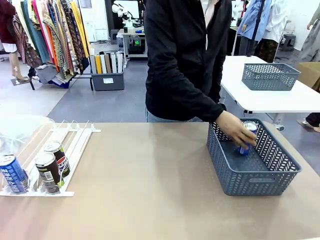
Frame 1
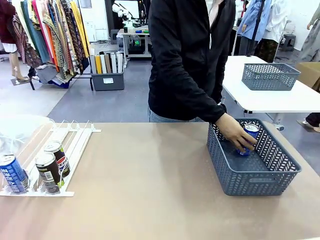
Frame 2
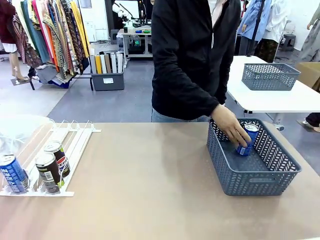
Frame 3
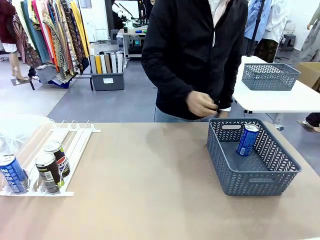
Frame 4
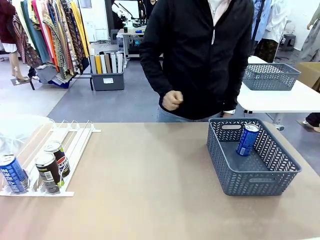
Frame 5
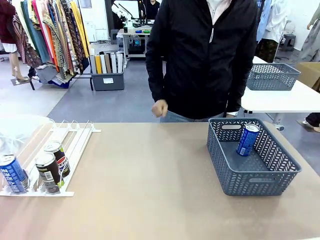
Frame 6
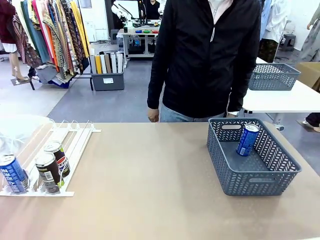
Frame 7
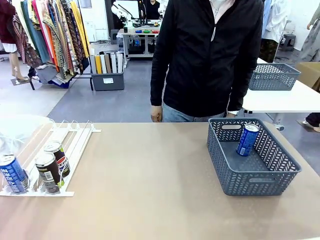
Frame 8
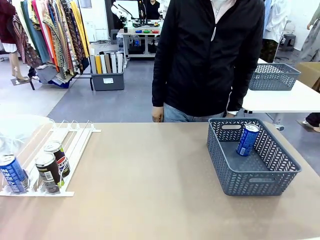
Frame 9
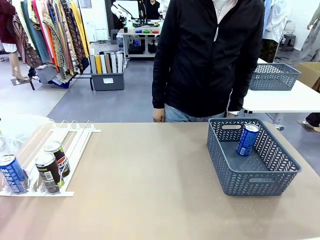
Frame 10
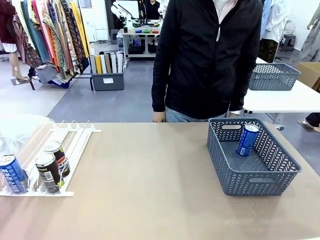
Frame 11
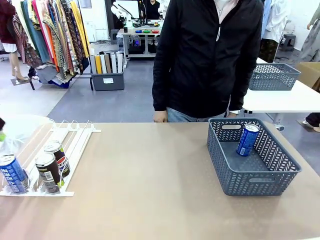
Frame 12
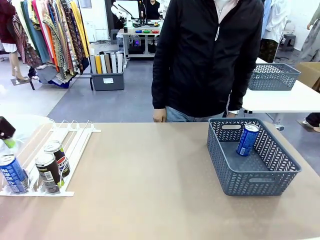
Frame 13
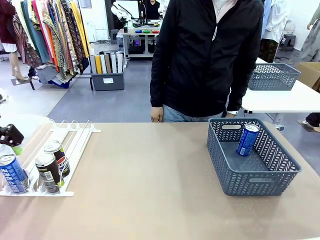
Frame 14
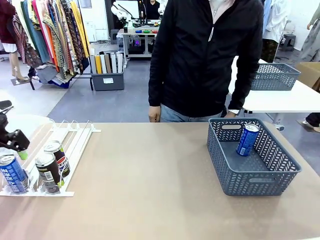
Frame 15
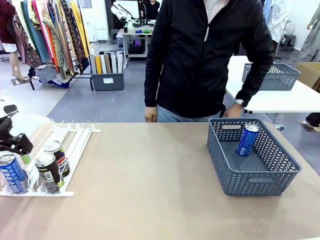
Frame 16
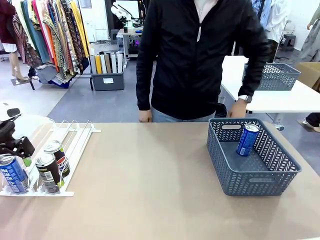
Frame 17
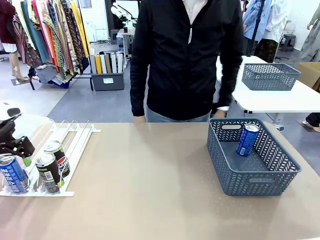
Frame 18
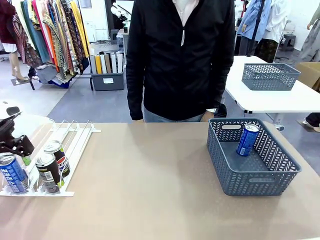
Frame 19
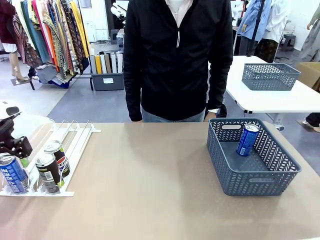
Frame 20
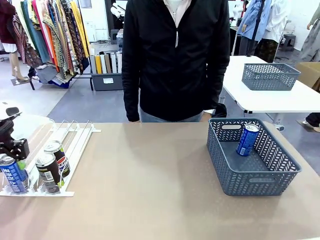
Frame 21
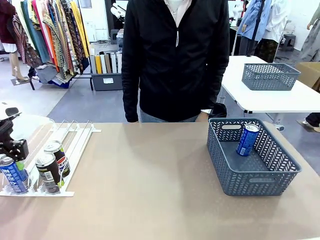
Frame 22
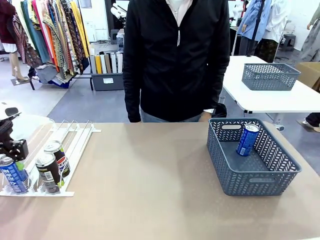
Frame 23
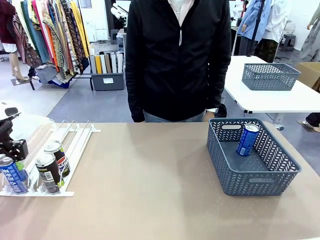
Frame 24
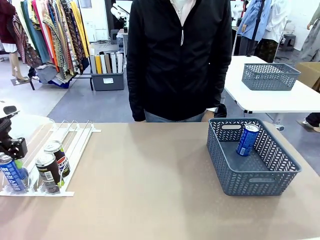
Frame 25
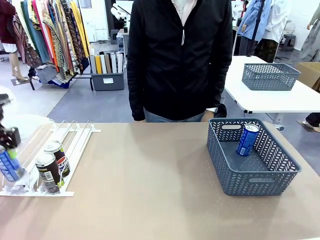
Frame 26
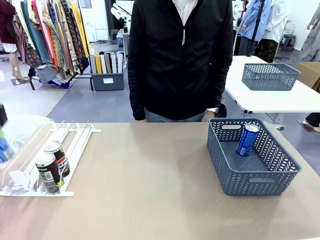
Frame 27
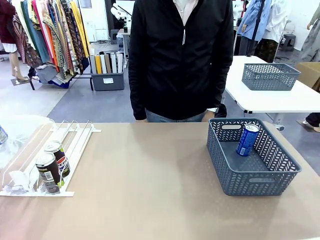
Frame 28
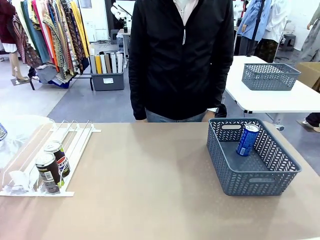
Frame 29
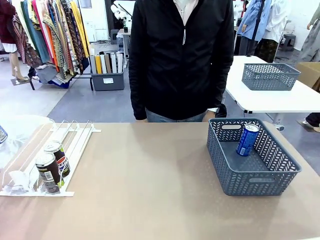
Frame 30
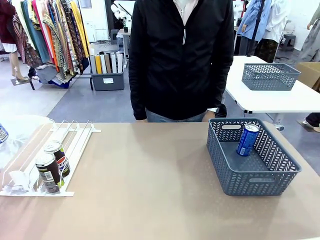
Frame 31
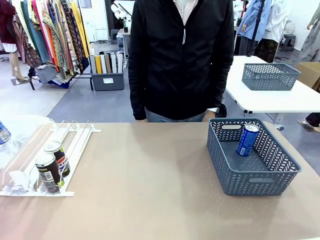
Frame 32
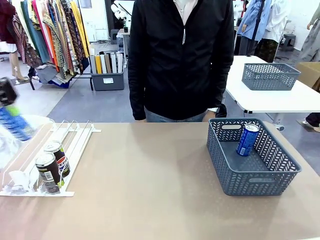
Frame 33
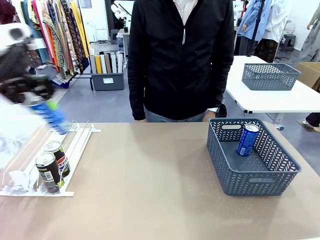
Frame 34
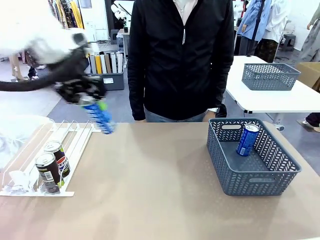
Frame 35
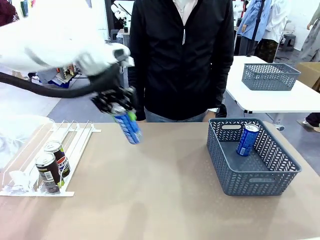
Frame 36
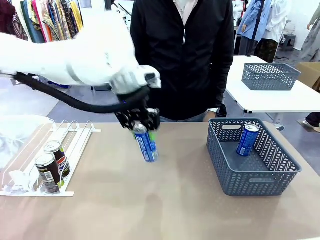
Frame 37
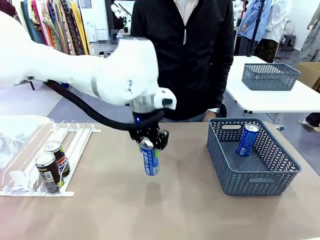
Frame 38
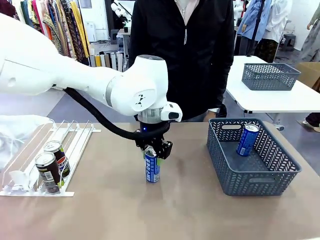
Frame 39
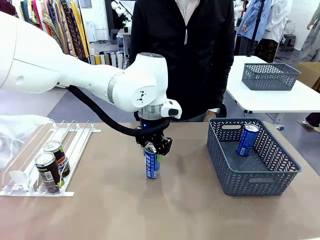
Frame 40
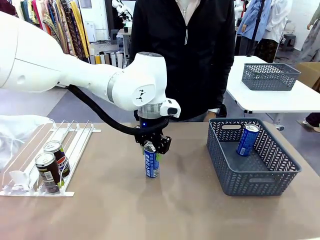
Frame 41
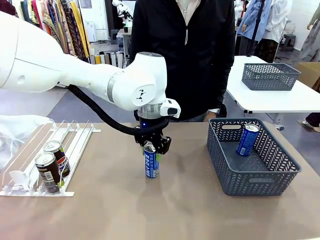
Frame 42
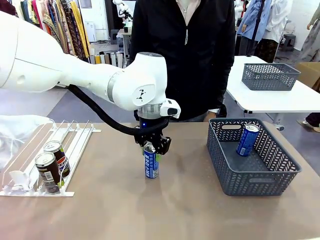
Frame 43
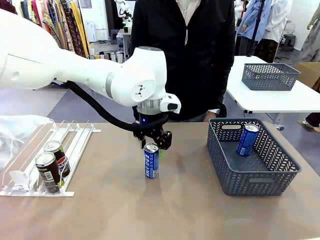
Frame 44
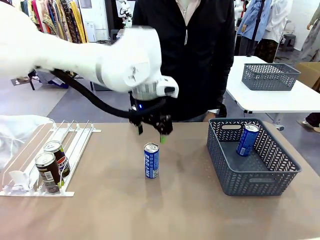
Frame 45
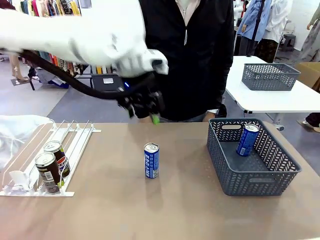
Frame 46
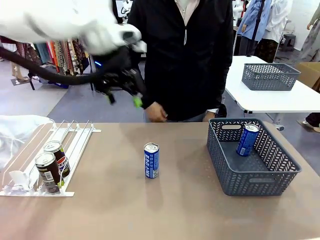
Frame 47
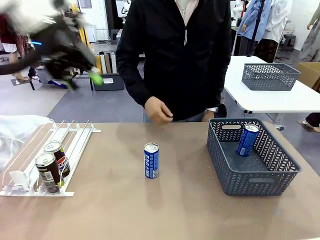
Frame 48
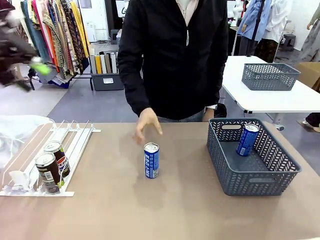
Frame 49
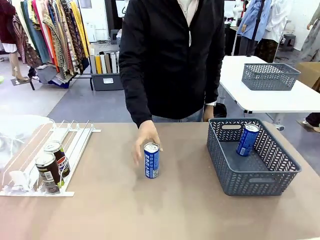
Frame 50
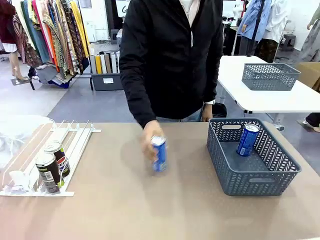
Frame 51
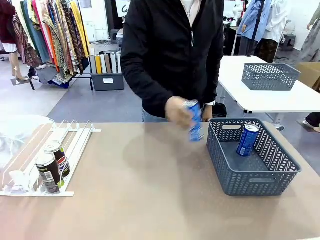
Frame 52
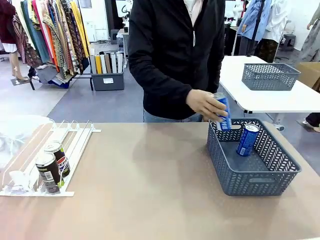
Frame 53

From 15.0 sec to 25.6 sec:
Task: Retrieve and store the cans from the dispenser.
Robot: Pick up the last remaining can from one row of the Automatic Can Dispenser and place it in the middle of the table.
Person: Pick up one Pepsi can from the middle of the robot table and place it in the basket.

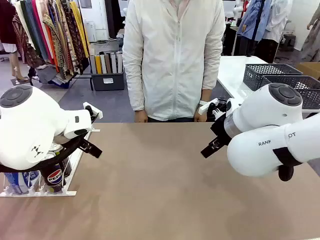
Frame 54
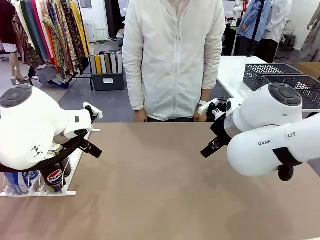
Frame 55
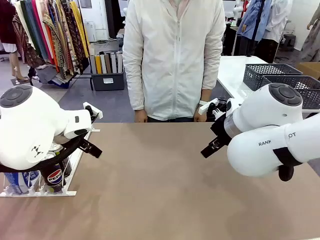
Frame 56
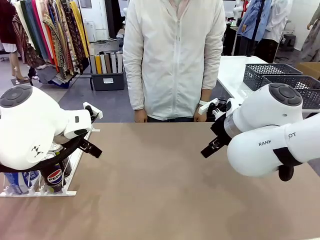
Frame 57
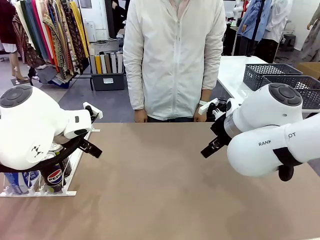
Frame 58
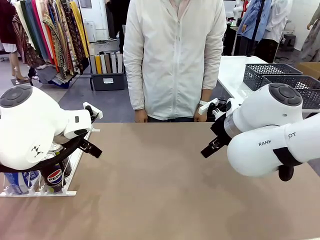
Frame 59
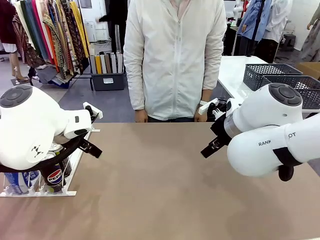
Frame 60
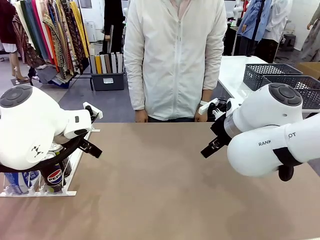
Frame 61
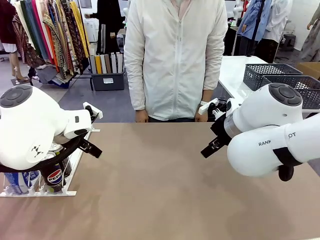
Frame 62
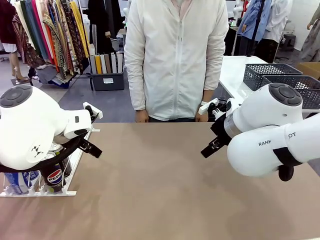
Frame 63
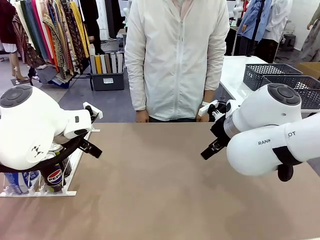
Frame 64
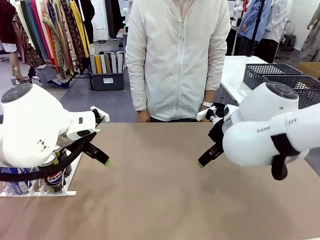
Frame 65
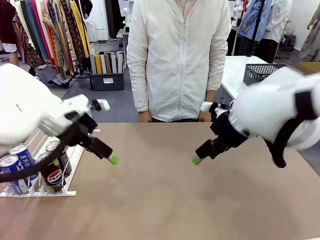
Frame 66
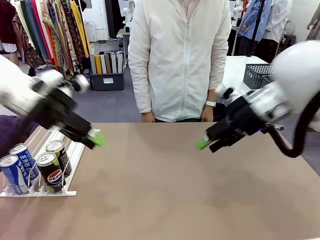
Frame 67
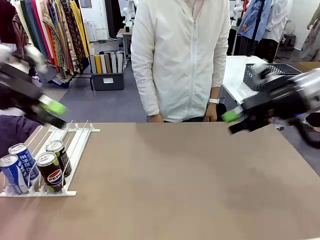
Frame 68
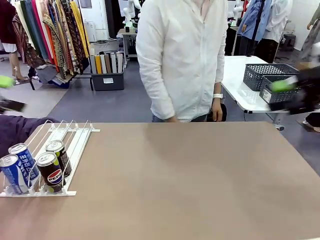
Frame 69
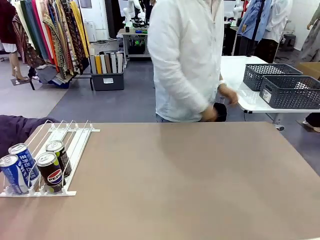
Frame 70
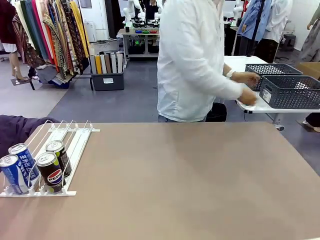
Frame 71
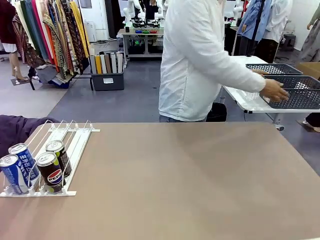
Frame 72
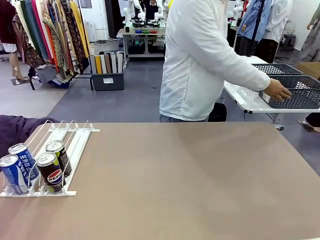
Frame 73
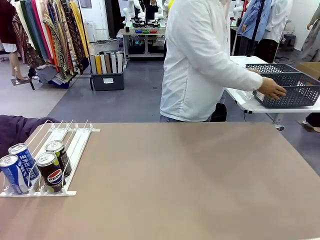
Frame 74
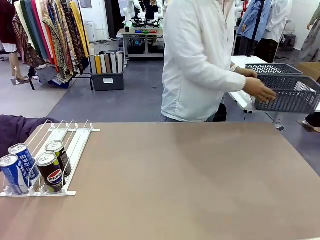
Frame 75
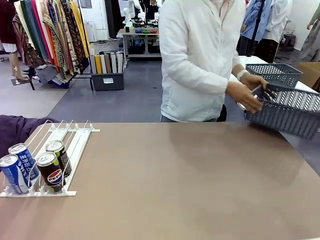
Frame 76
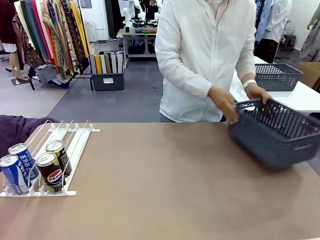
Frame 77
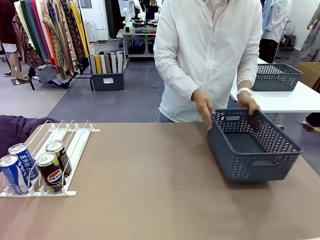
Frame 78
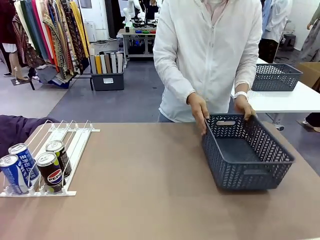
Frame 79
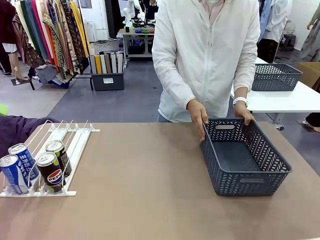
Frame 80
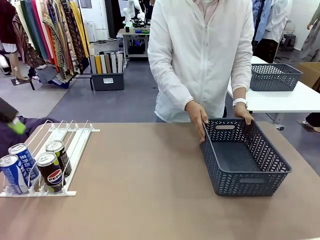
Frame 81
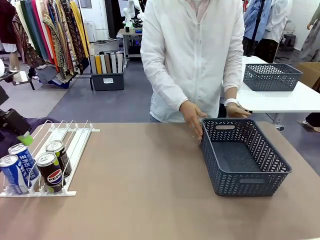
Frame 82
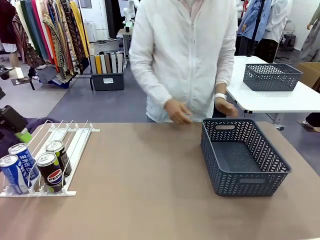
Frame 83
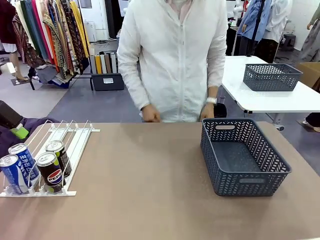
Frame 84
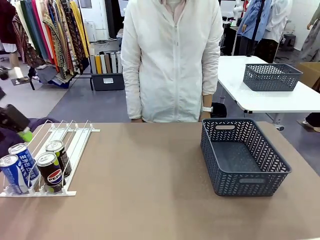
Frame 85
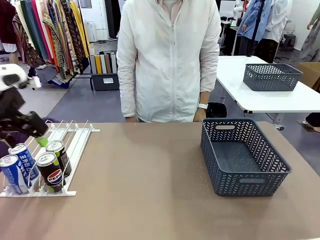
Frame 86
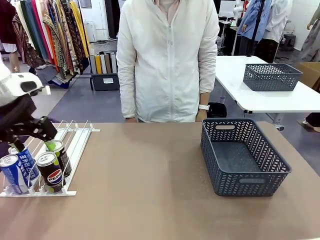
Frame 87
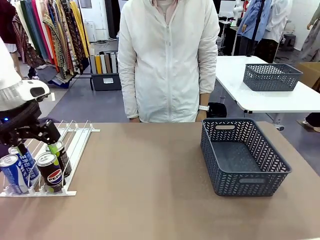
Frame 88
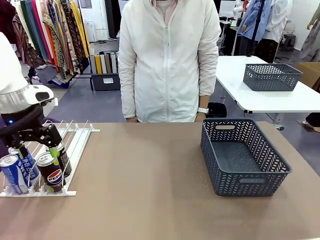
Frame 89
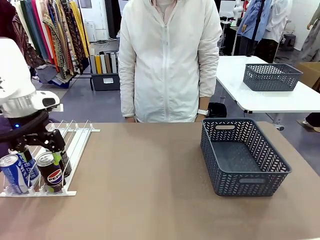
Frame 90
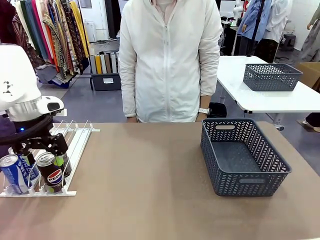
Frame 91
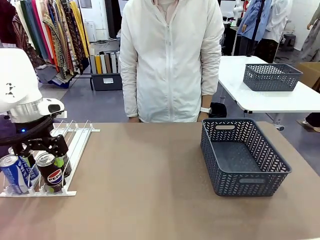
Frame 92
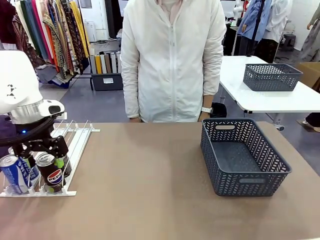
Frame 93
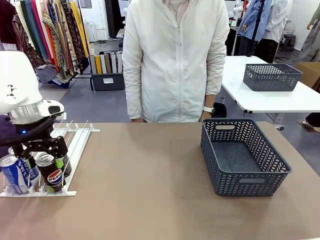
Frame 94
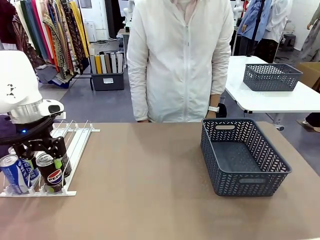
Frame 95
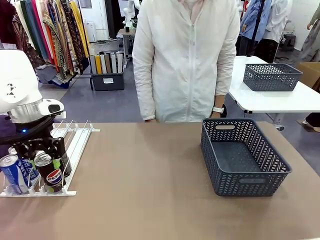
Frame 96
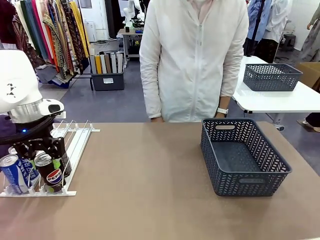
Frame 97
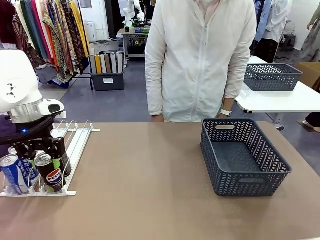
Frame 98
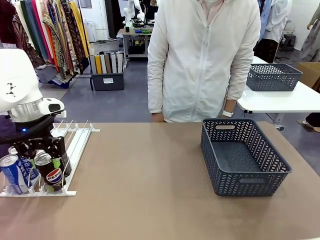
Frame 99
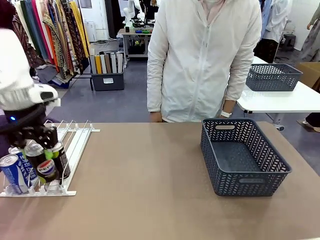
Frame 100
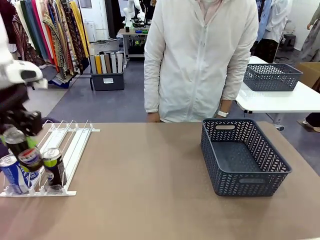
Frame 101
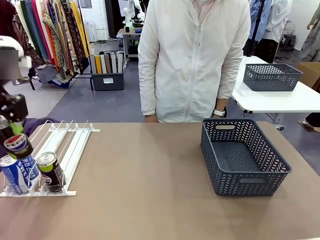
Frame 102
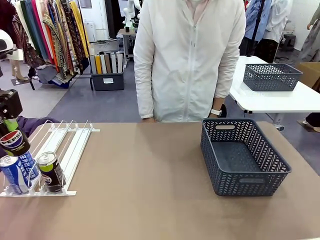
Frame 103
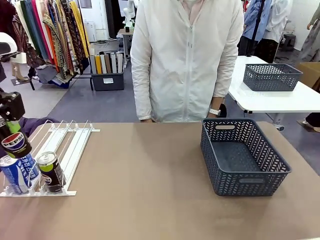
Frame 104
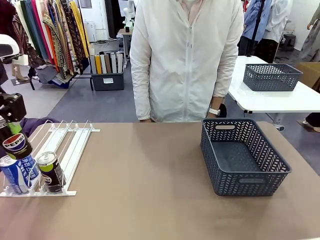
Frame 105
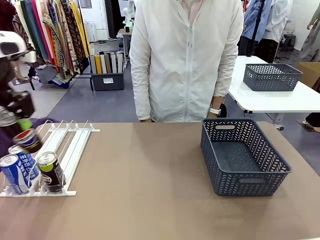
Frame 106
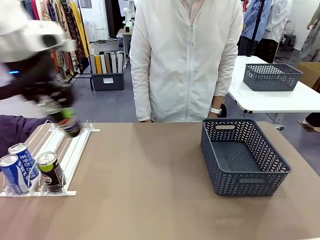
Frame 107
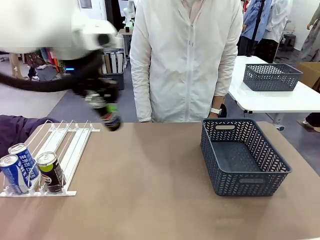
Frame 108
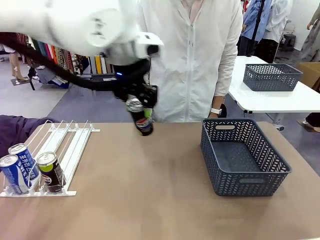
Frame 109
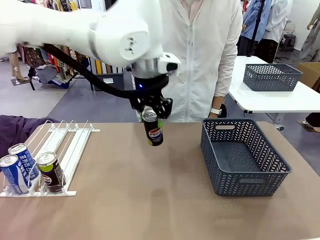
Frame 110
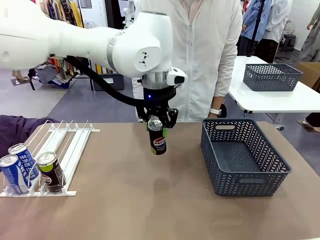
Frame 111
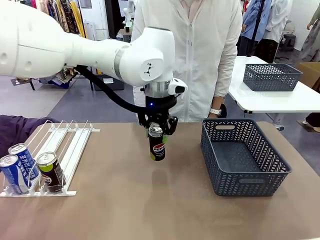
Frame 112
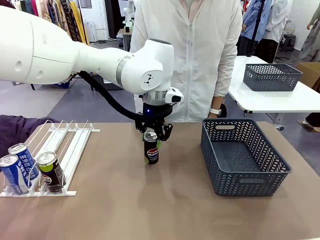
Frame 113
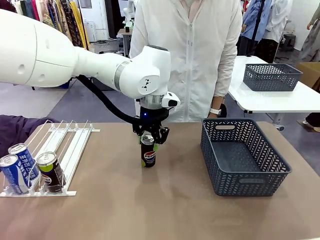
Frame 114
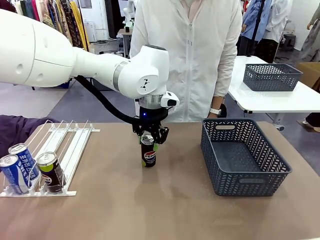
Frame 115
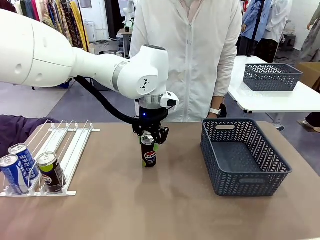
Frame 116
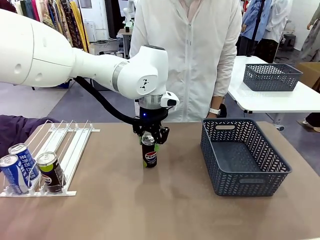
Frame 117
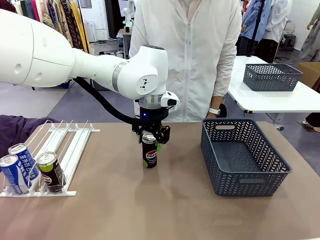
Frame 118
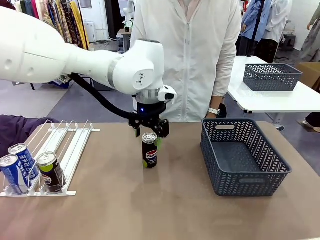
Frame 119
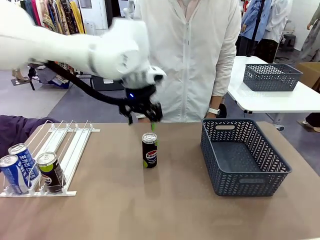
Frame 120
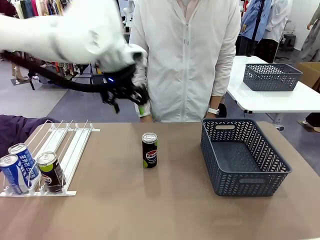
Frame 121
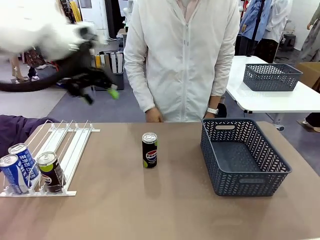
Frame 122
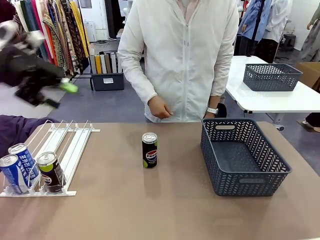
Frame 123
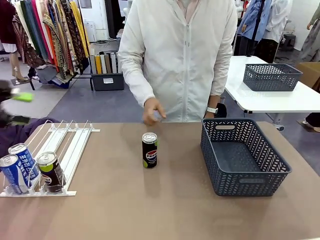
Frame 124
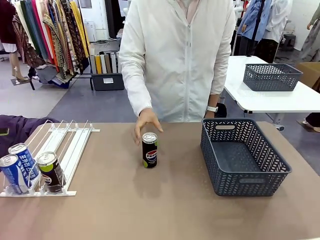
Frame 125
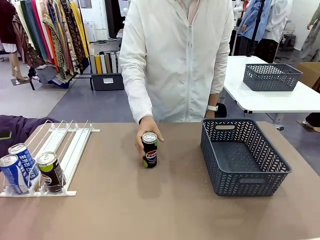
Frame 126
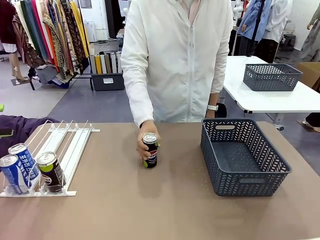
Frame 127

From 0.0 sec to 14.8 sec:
Task: Retrieve and store the cans from the dispenser.
Robot: Pick up one can from the Automatic Can Dispenser and place it in the middle of the table.
Person: Pick up the basket and place it on the left side of the robot table.
